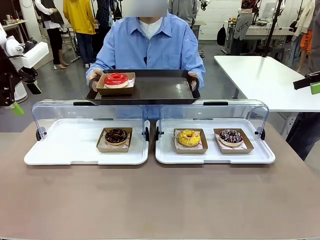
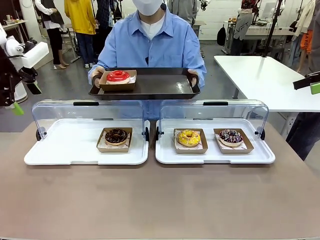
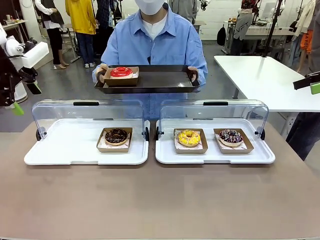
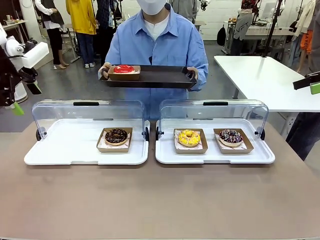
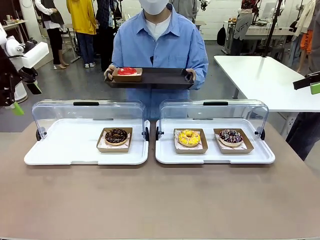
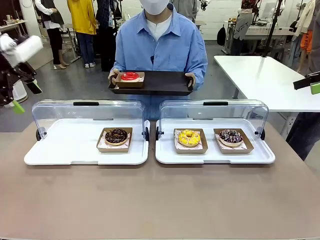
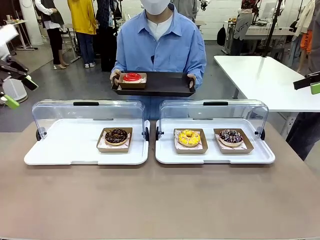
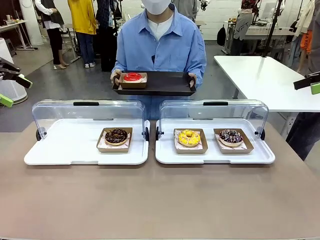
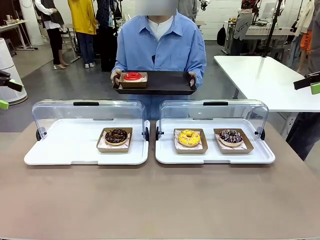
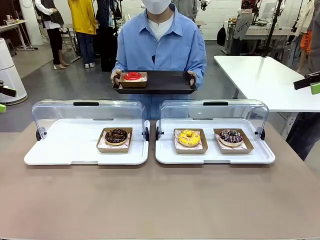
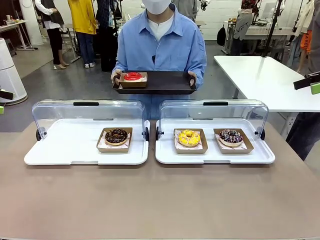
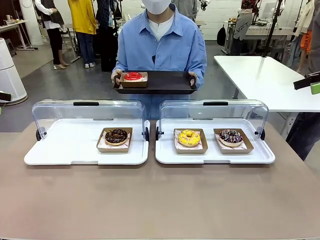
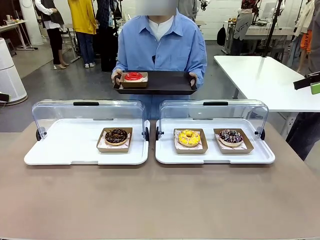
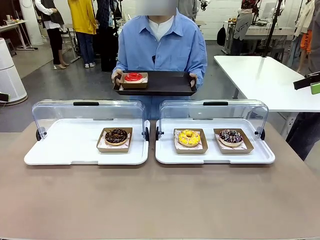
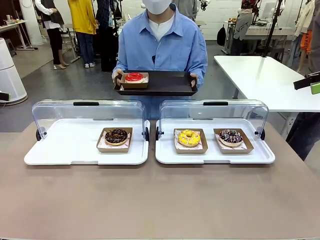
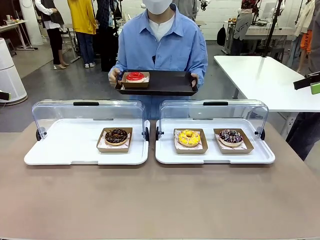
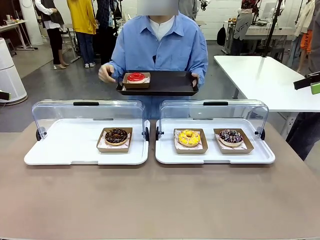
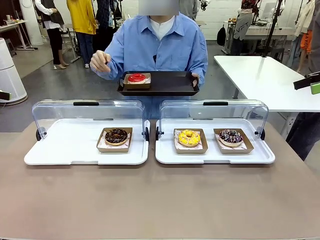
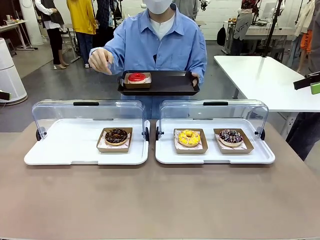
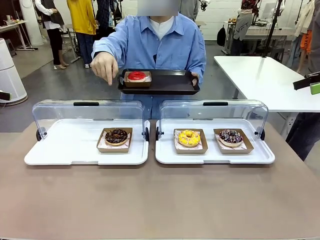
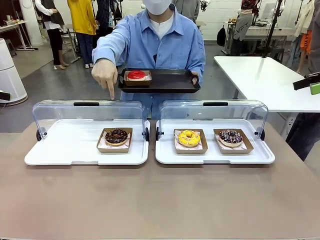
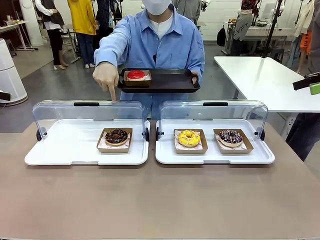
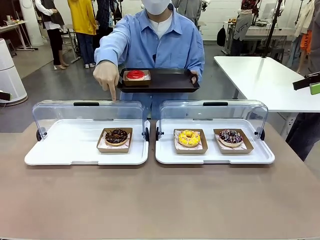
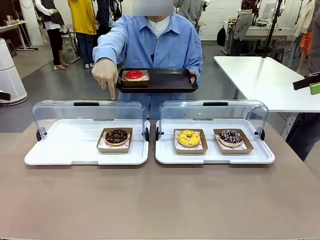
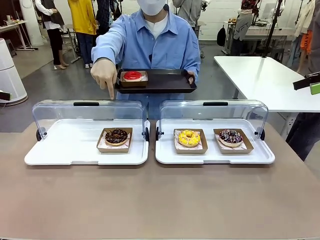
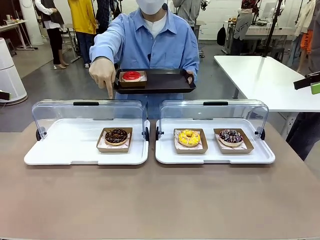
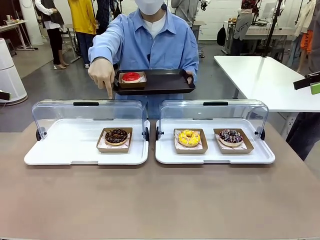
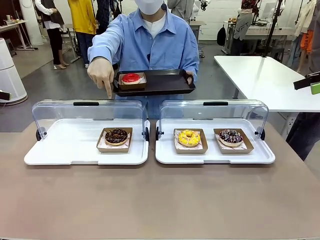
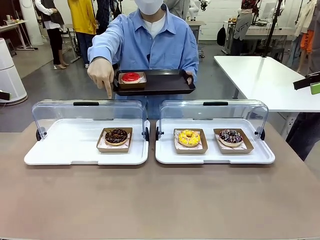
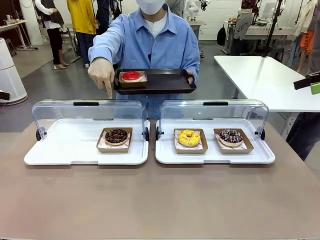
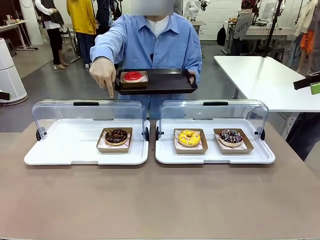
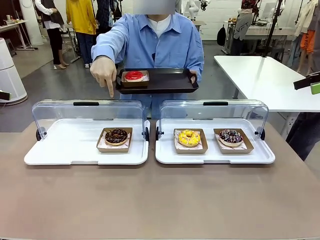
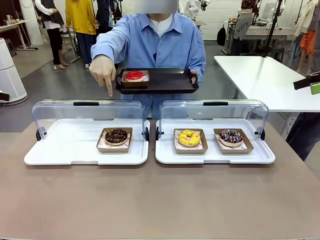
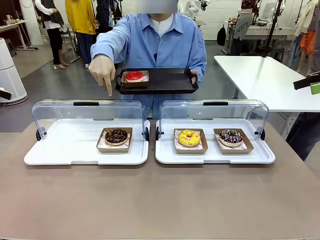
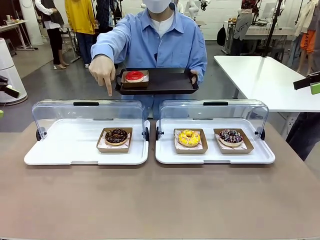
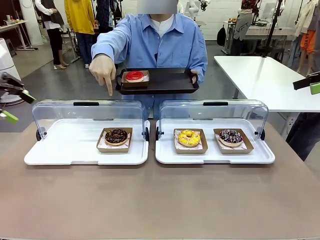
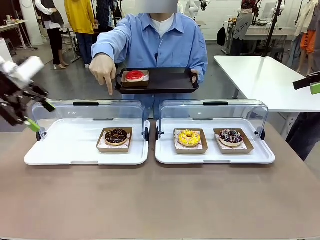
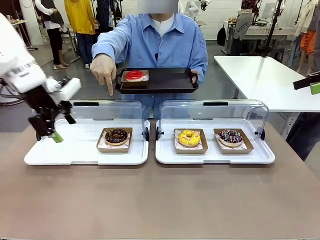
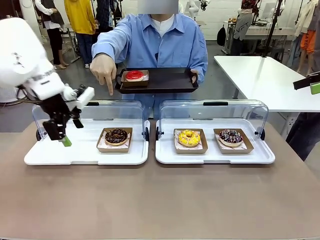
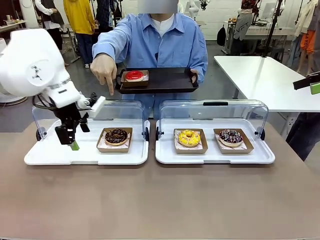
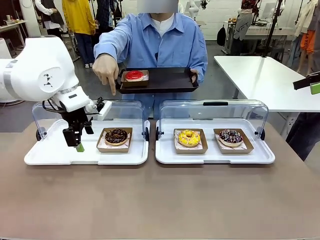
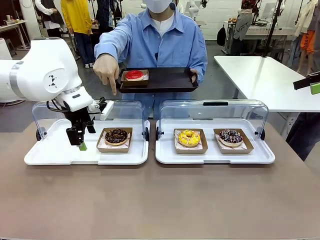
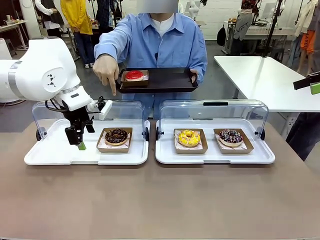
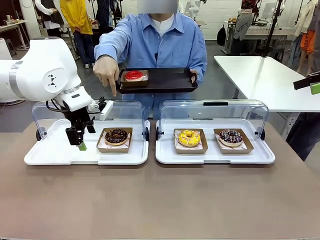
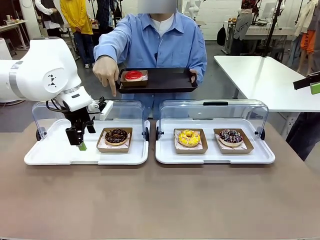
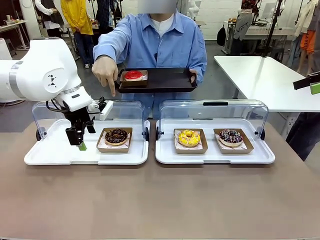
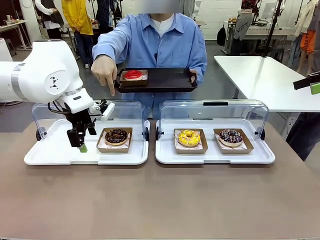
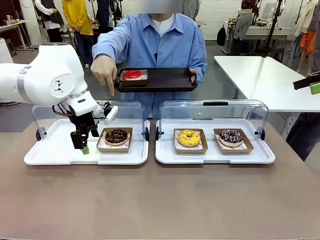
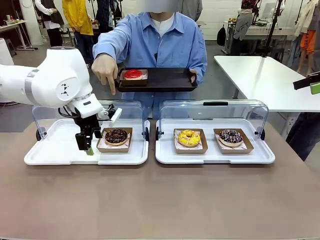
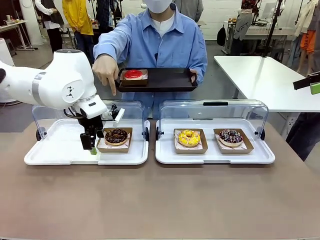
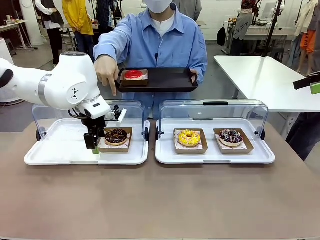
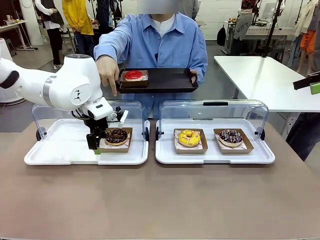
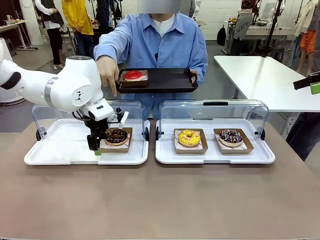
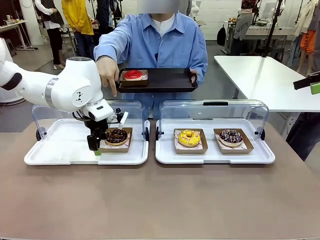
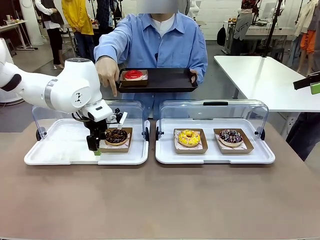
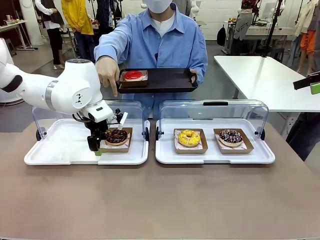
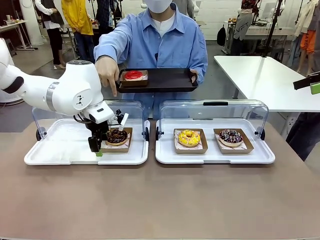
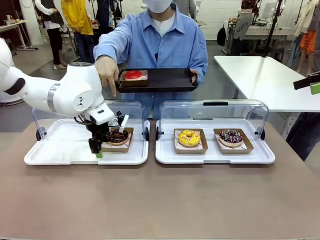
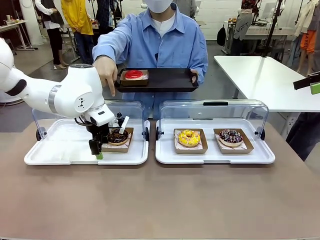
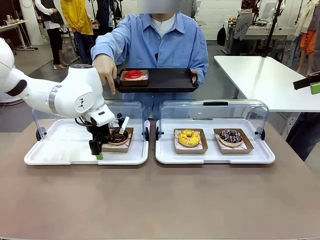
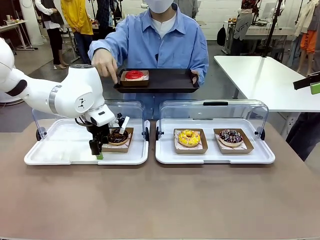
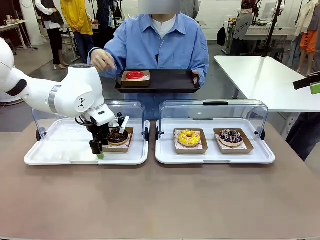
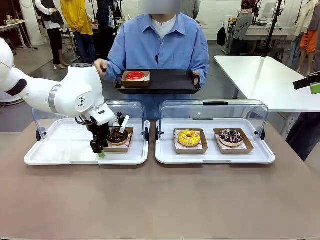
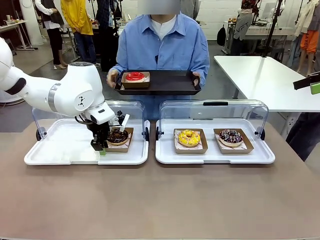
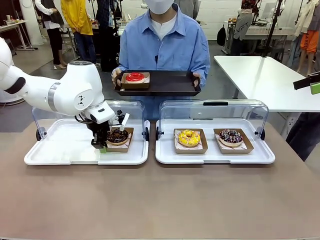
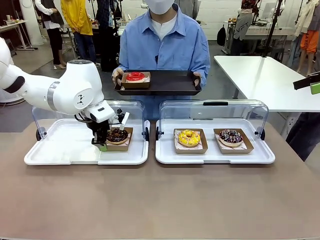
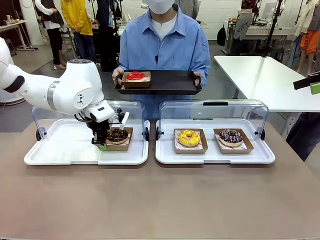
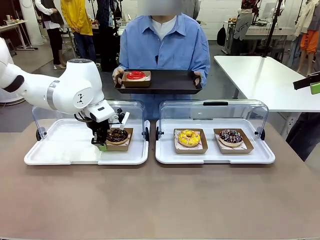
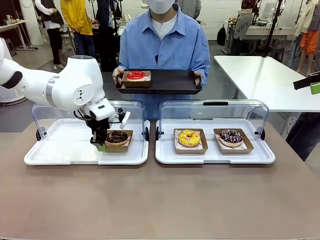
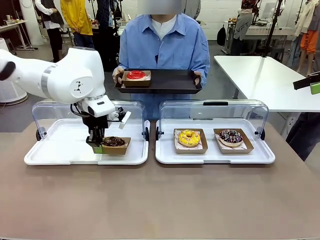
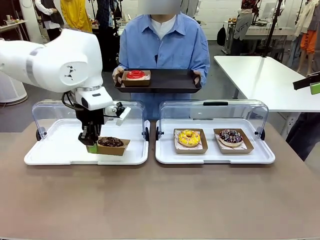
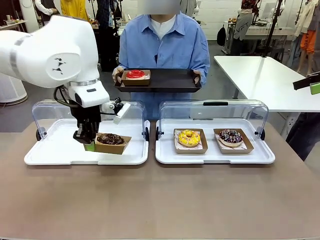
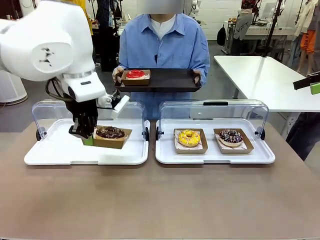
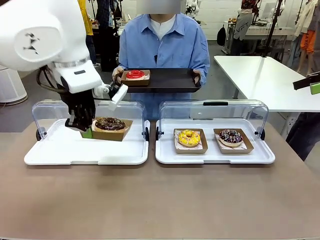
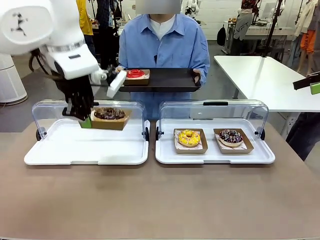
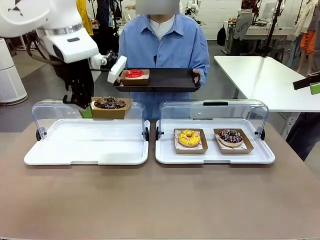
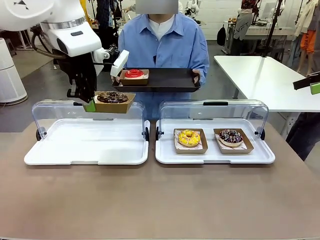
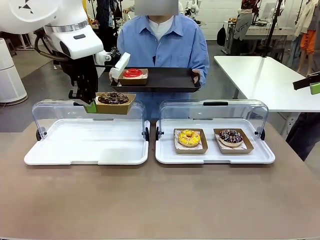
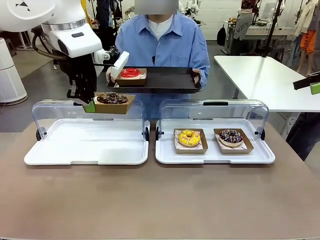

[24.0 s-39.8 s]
Task: Provide the desired donut to the person.
Robot: Pick up and lift the Paper togo box containing the Donut pointed at by the person.
Person: Point to one donut. Lift the tray onto the Roll-Top Bakery Case.
